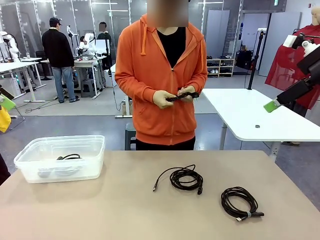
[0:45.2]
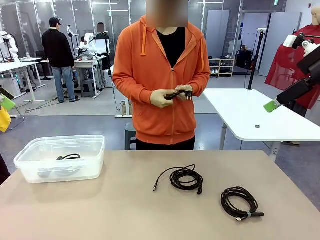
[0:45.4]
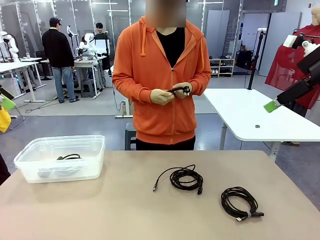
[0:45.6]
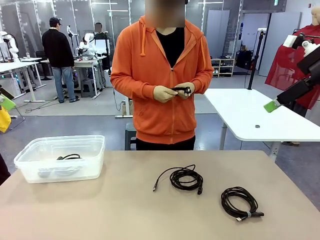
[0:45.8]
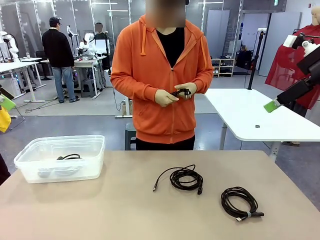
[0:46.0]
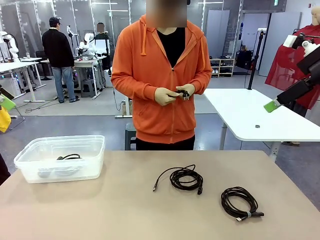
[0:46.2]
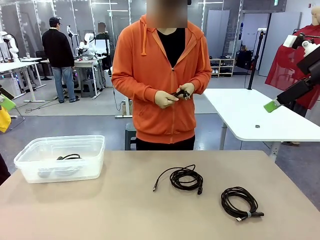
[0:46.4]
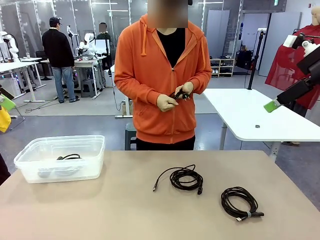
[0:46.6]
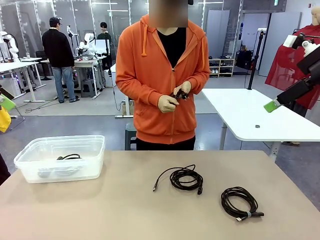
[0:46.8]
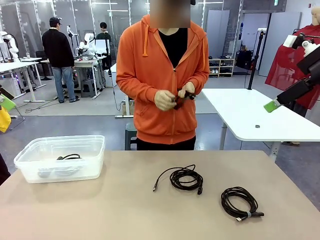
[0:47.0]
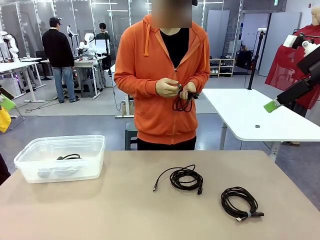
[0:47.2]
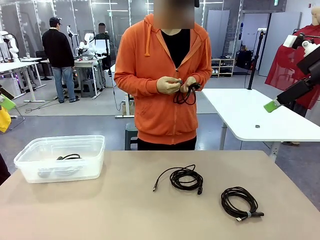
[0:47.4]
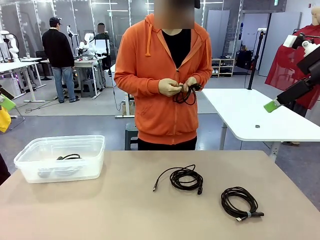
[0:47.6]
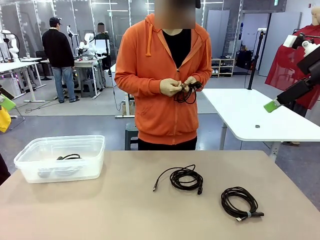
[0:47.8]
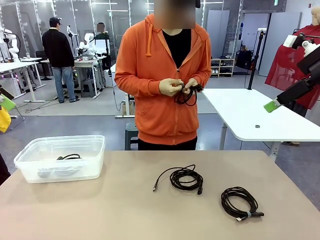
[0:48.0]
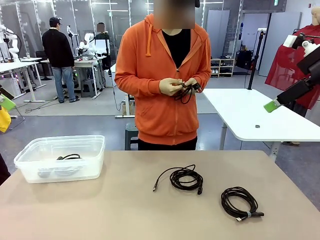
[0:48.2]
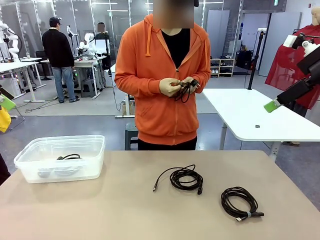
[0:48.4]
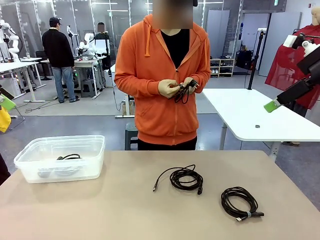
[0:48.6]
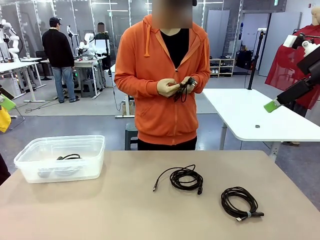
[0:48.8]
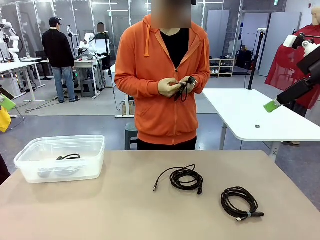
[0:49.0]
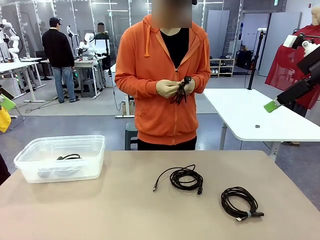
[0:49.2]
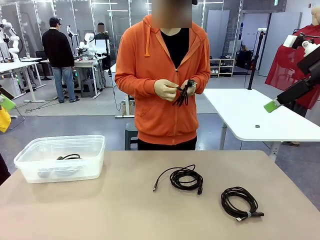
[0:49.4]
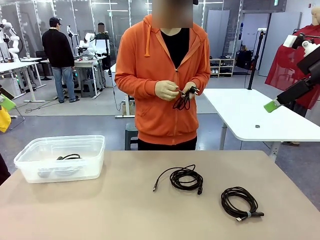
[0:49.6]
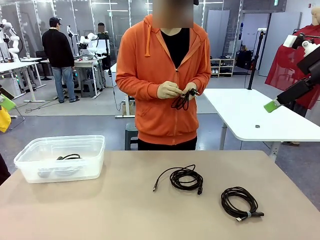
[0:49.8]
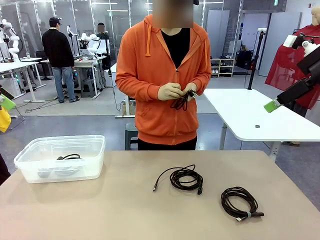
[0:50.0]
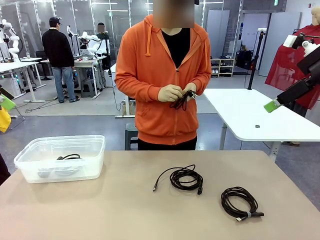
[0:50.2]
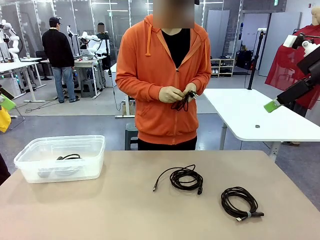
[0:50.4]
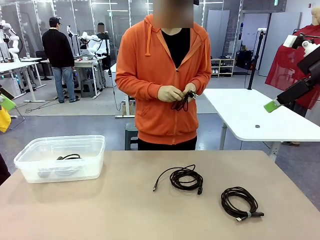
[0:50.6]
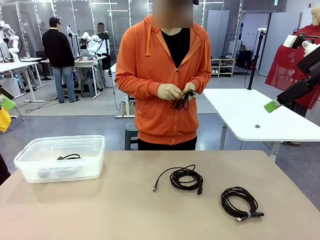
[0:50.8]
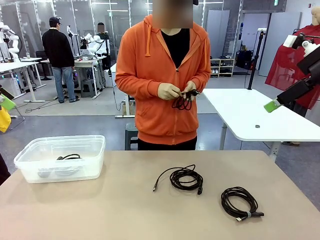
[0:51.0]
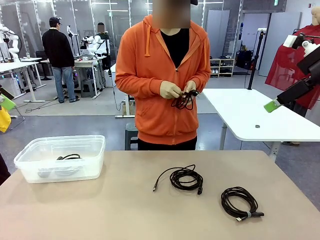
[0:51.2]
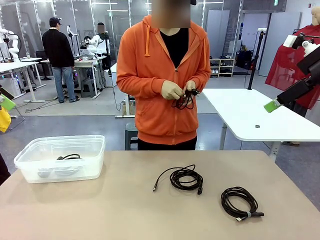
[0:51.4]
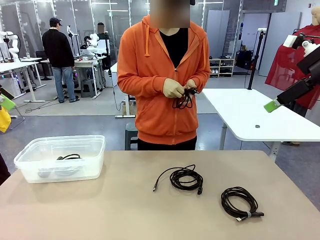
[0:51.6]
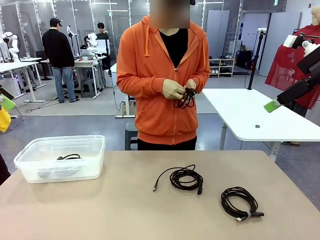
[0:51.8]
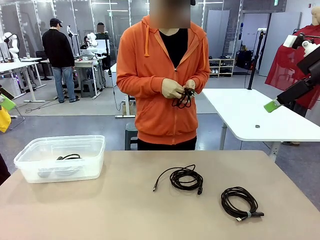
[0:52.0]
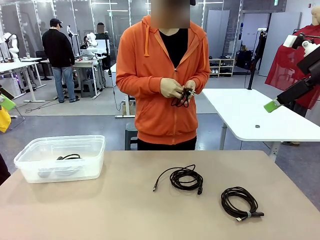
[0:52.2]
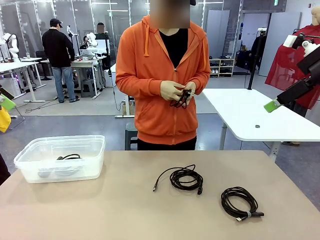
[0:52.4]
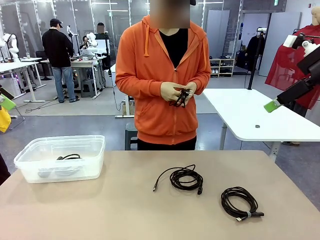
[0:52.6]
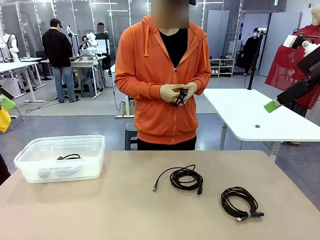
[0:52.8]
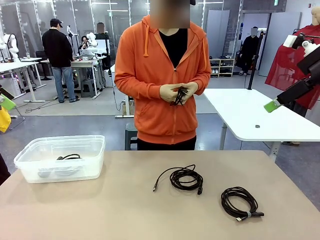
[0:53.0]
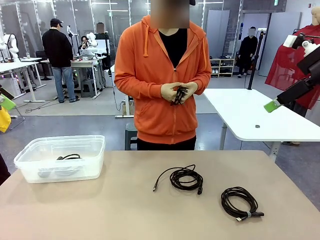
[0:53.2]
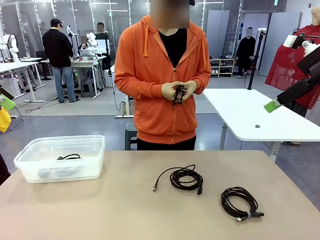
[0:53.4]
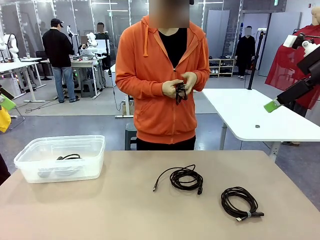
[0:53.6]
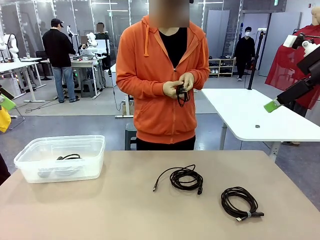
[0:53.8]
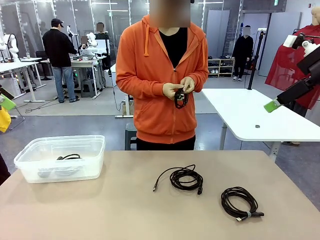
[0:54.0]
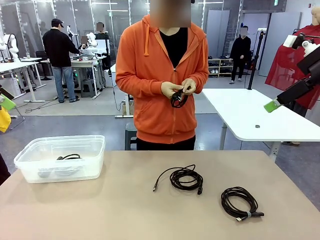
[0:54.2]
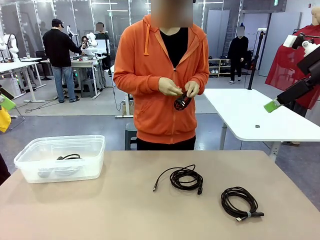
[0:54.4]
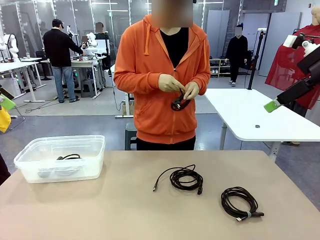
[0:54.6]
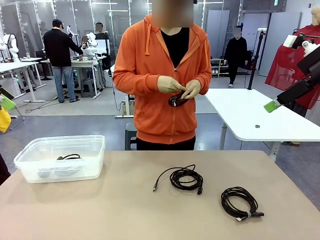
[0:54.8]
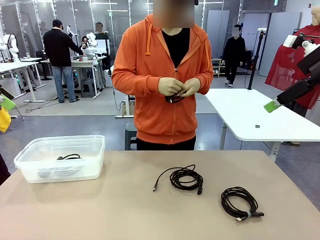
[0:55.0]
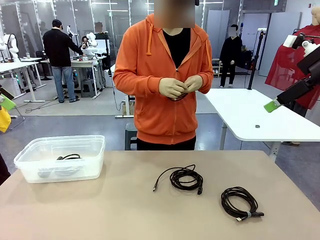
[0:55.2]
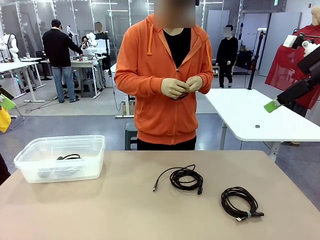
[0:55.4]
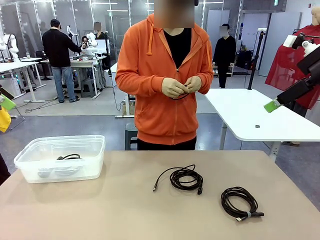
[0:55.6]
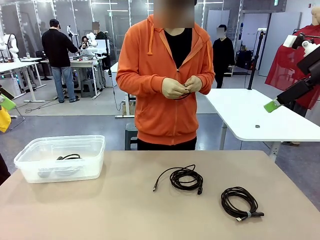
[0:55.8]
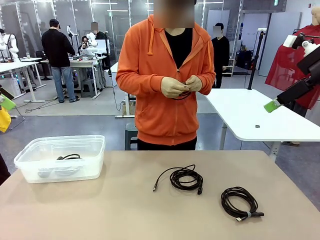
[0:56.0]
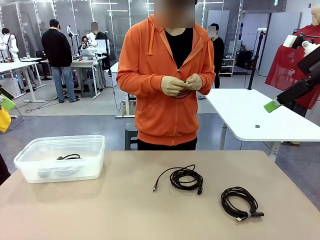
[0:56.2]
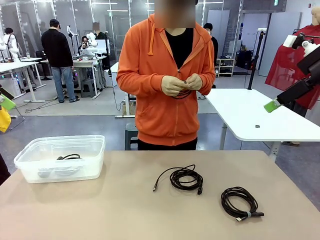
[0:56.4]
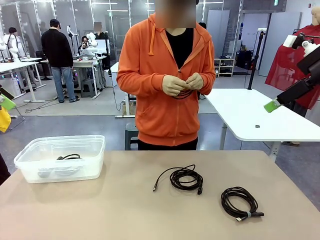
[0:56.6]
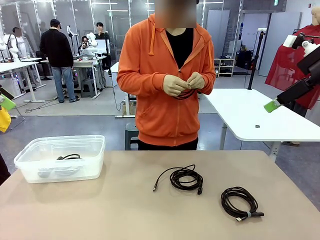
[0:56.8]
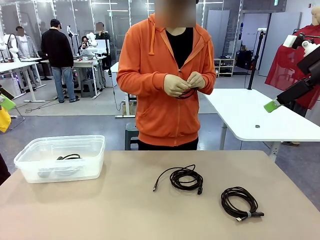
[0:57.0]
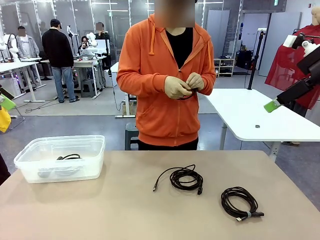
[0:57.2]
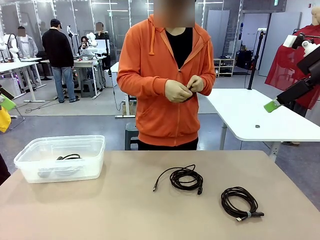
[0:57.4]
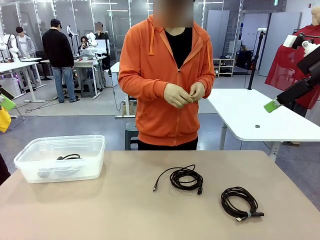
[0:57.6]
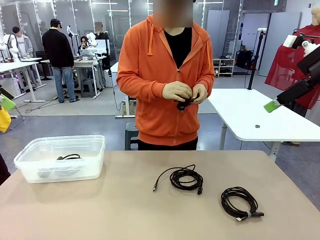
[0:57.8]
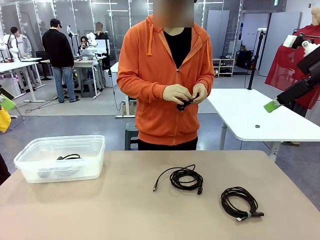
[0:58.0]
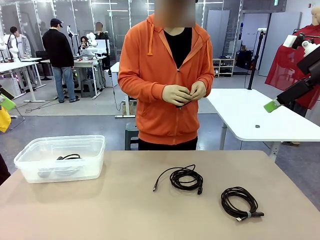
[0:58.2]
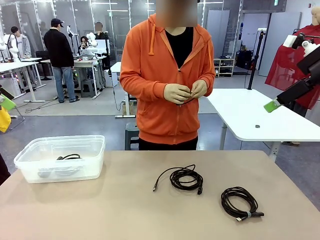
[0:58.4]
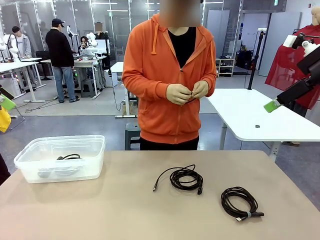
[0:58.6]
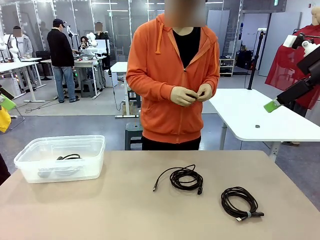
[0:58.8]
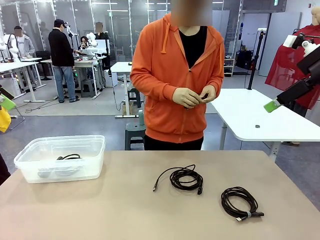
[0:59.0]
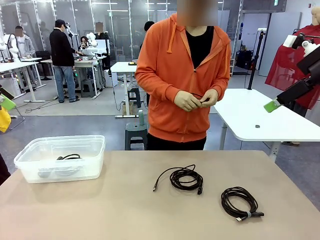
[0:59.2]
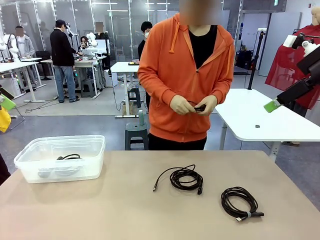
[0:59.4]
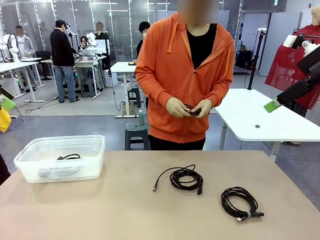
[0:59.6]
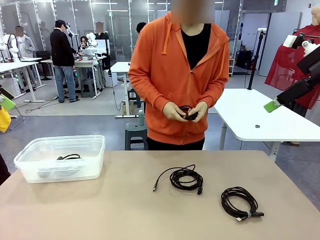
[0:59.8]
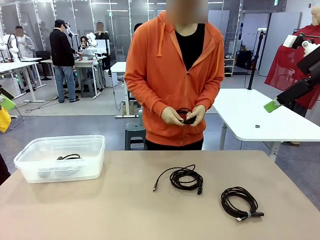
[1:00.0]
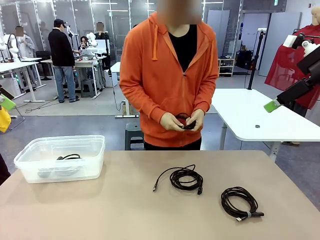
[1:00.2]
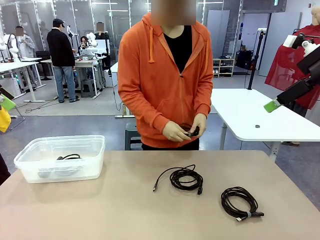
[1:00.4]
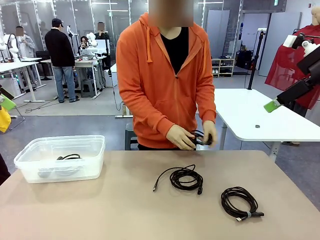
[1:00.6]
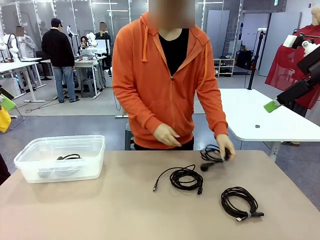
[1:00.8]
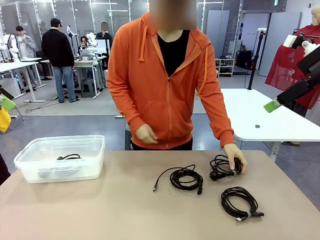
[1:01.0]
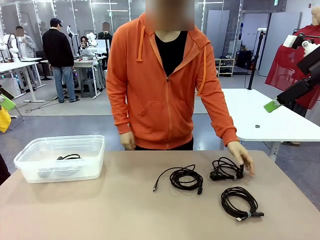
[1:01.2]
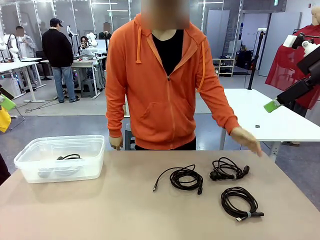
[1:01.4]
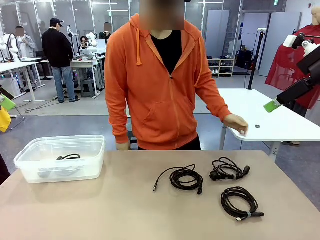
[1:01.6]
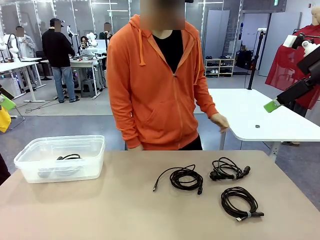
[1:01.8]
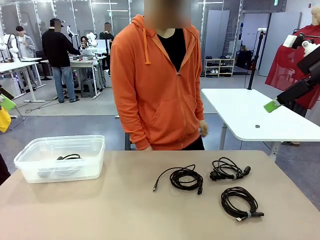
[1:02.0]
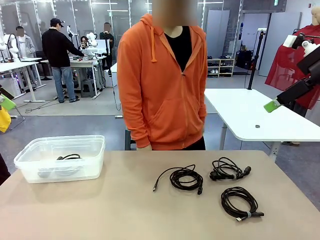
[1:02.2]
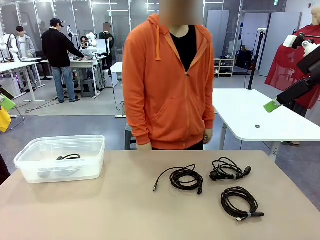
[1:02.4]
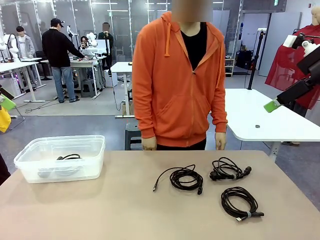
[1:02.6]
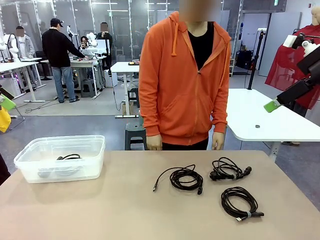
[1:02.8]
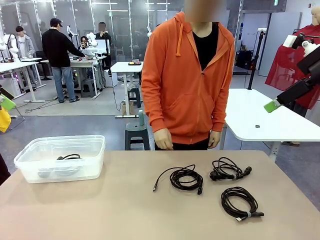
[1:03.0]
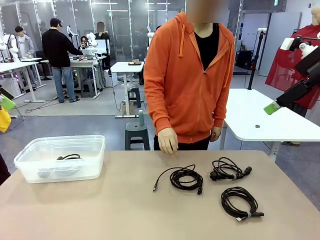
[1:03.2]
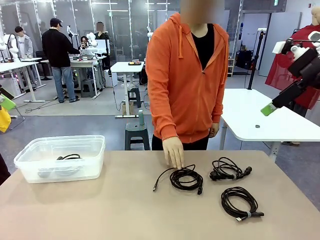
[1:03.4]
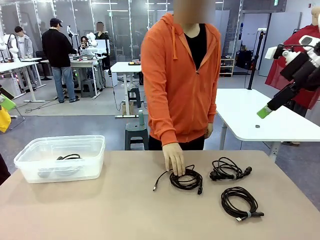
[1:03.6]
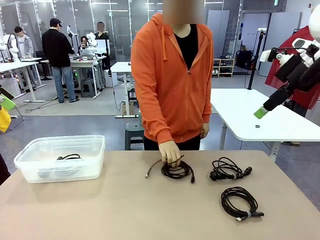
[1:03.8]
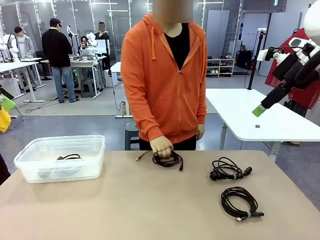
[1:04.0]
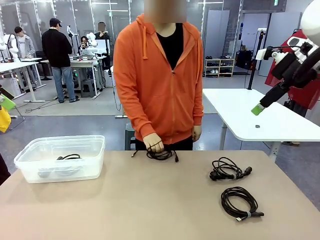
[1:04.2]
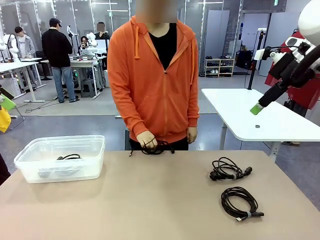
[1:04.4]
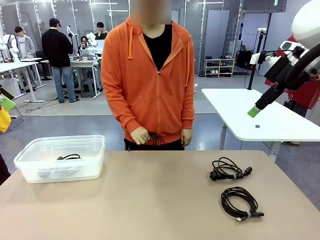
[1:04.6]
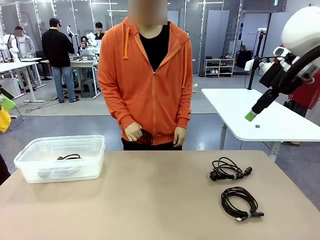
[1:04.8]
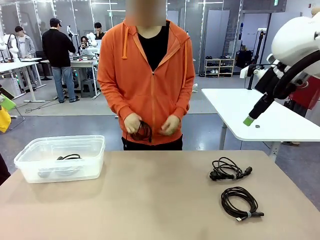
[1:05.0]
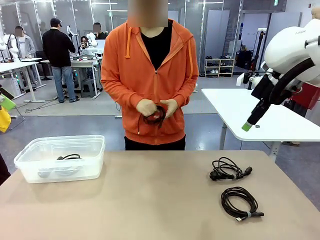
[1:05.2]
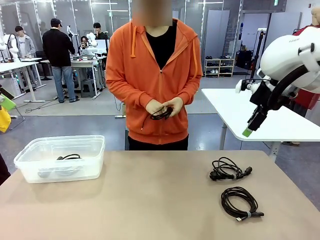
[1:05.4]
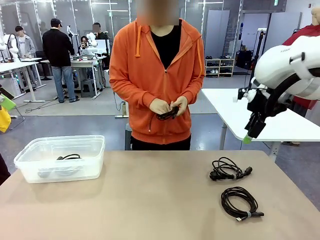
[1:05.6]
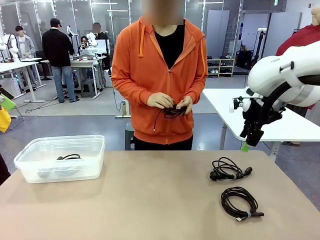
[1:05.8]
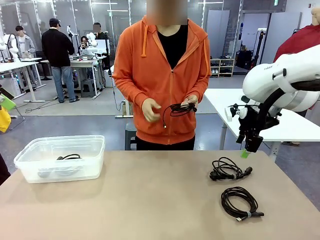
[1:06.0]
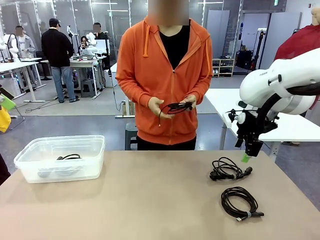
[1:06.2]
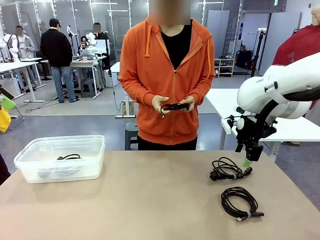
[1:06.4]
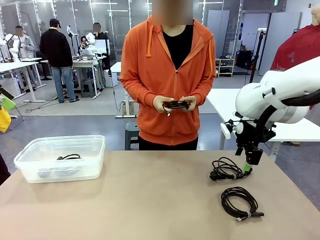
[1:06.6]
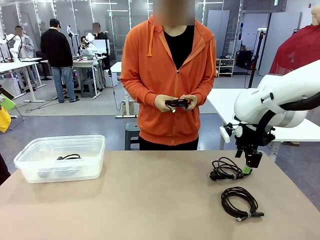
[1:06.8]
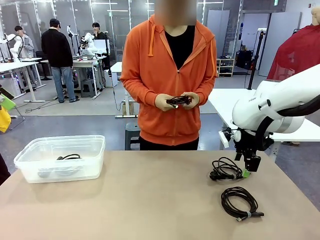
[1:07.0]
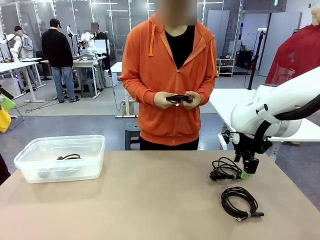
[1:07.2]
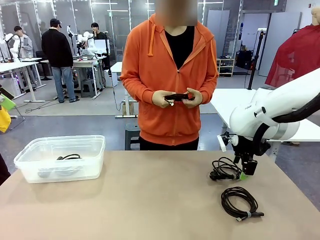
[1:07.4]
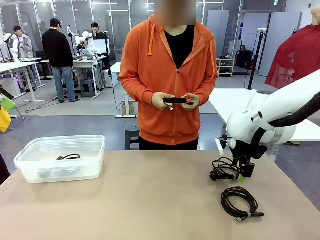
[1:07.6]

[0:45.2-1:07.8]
Task: Organize and store the cables.
Robot: Place the Power Cable into the Organizing box.
